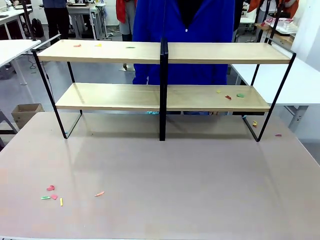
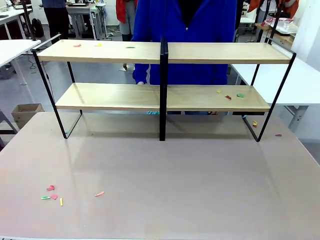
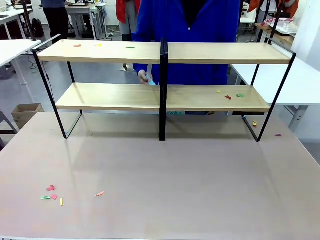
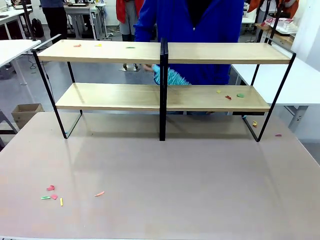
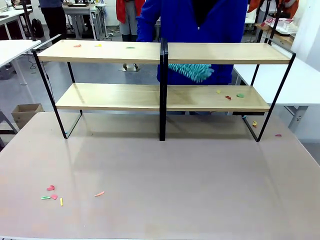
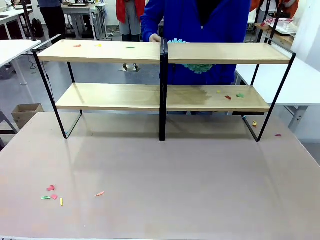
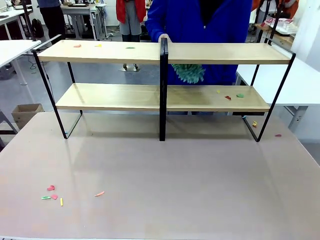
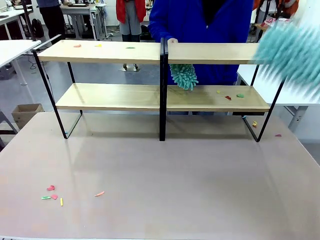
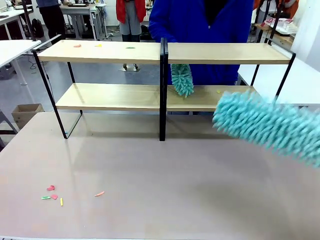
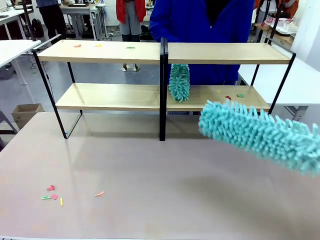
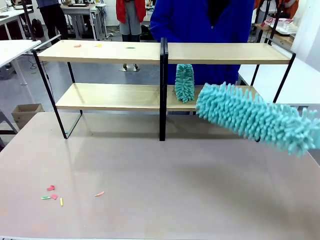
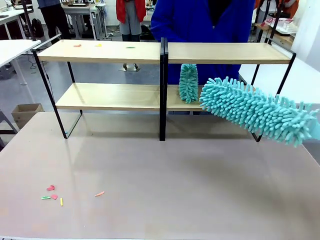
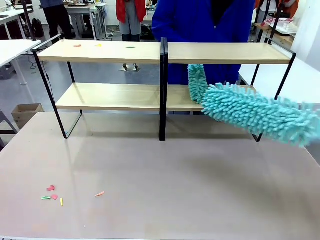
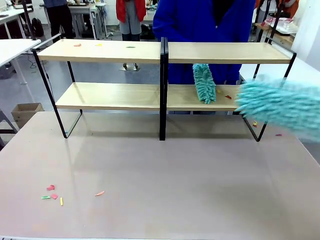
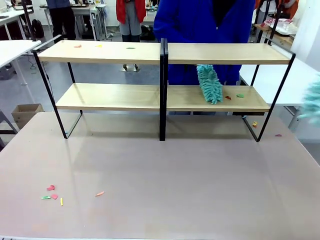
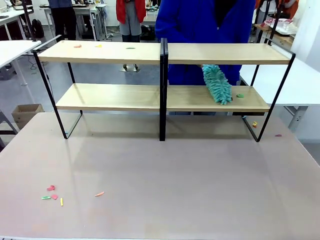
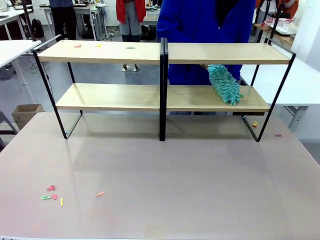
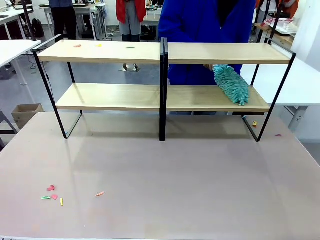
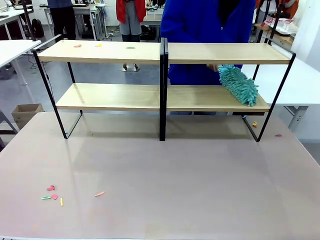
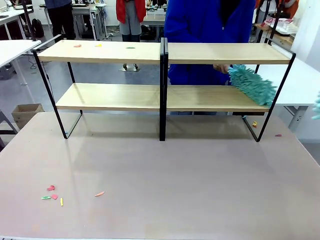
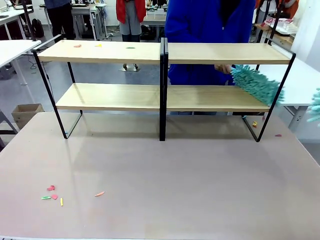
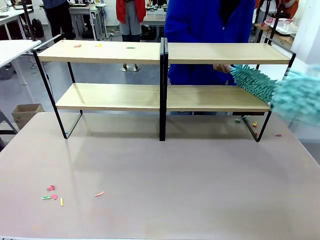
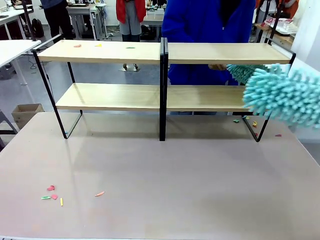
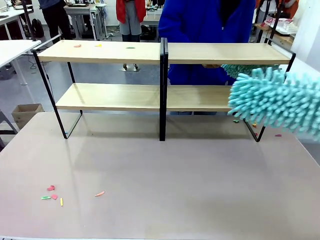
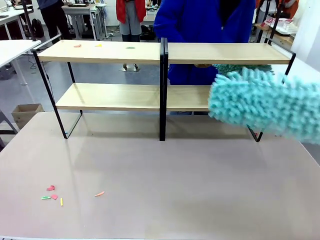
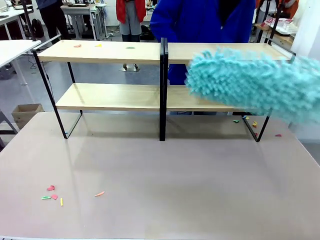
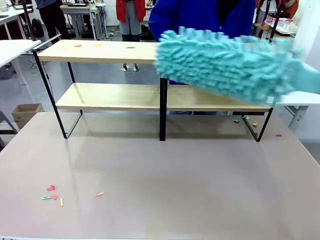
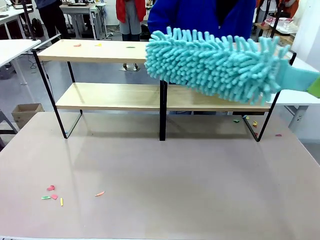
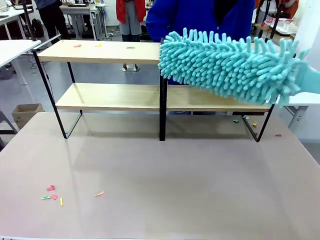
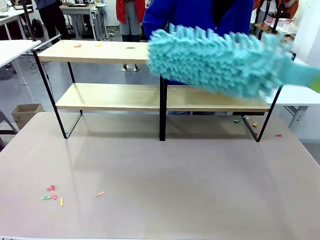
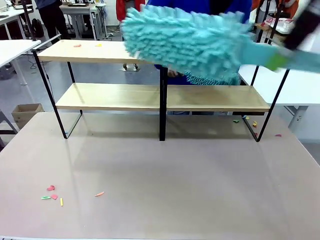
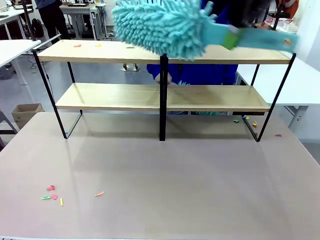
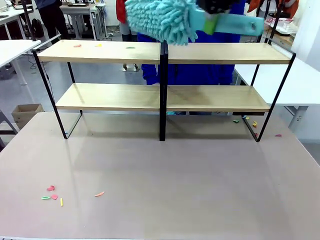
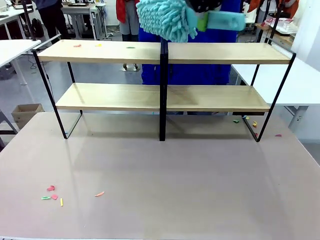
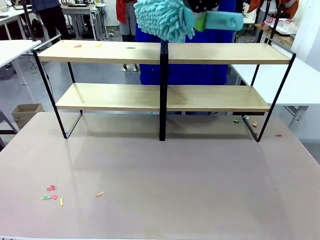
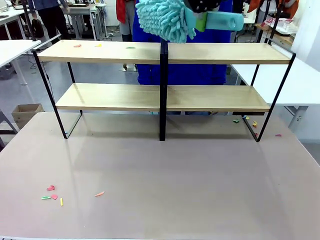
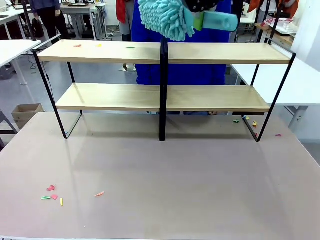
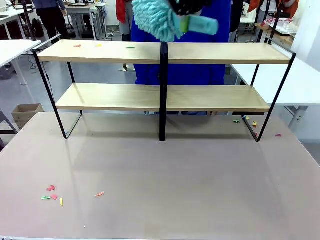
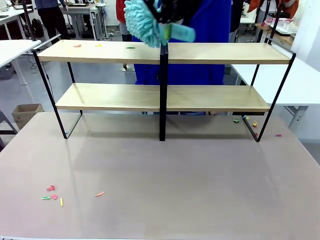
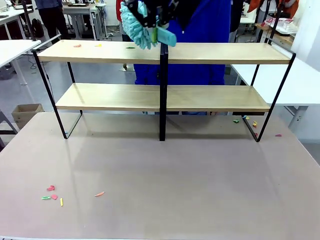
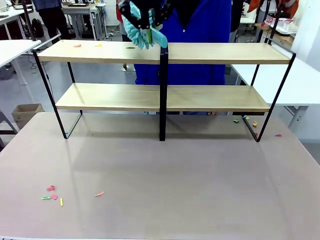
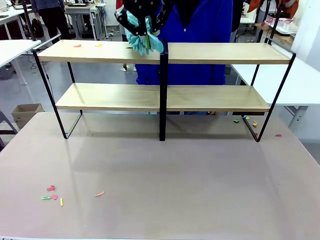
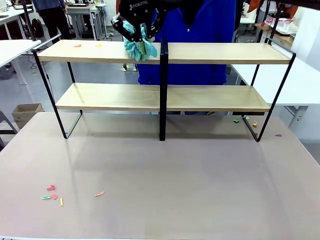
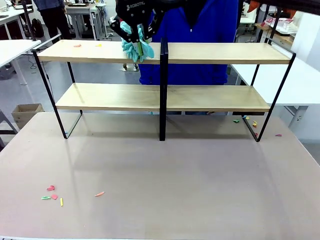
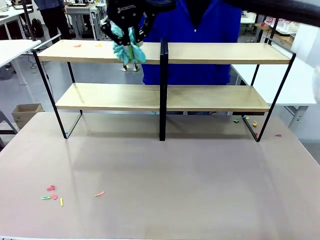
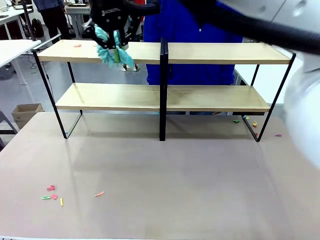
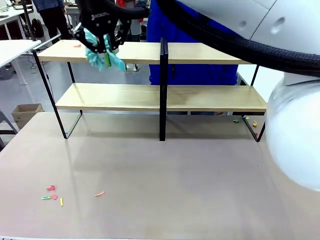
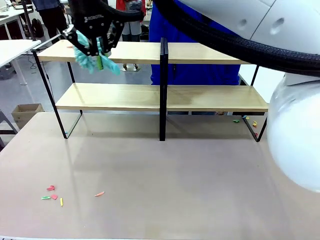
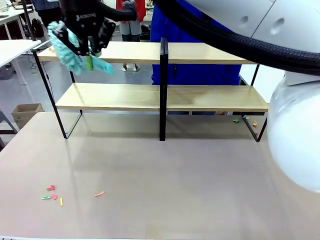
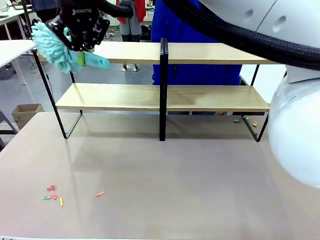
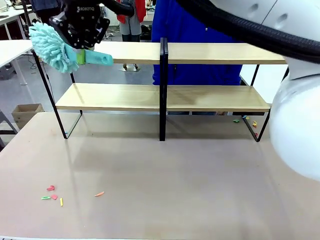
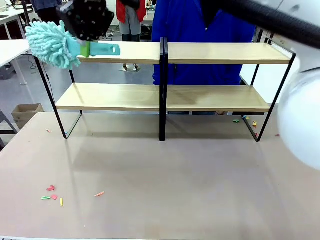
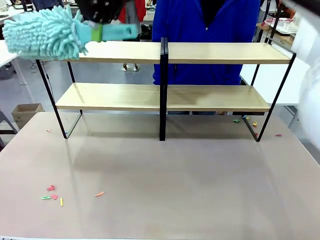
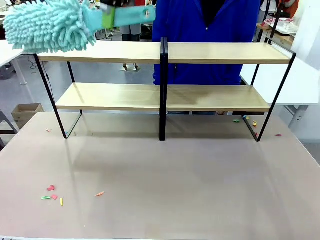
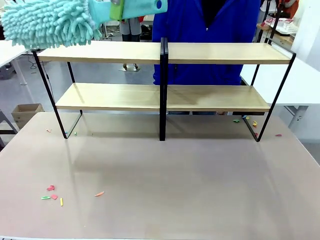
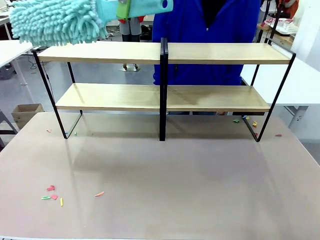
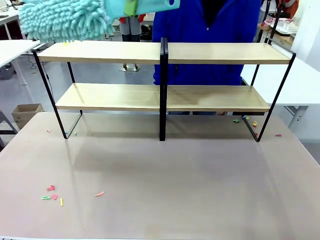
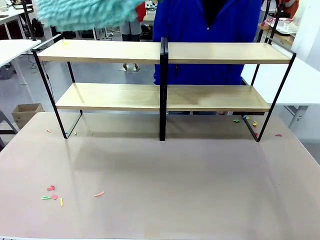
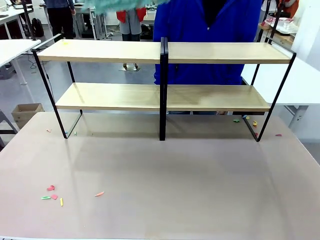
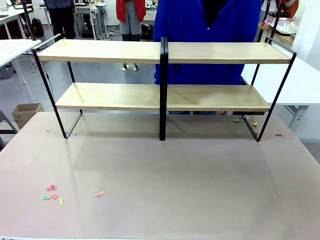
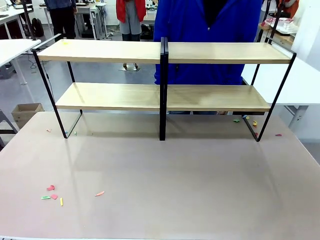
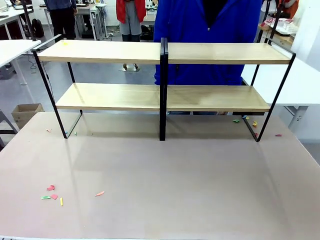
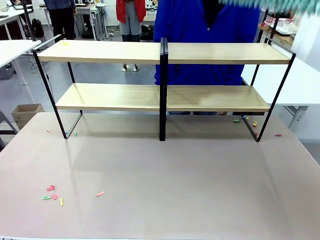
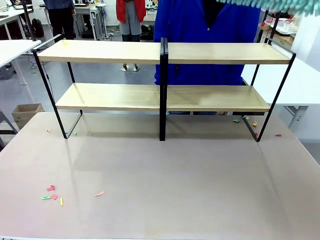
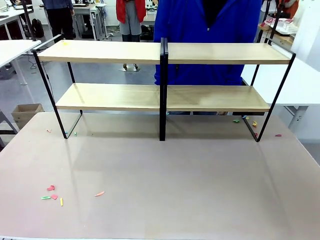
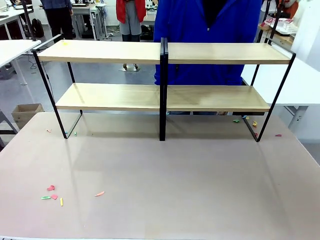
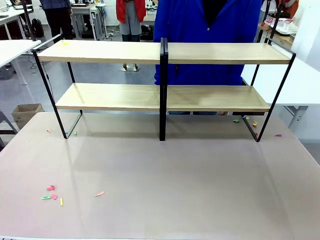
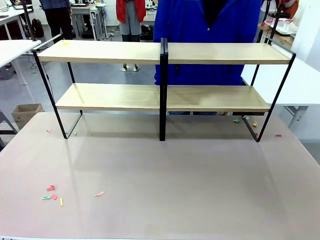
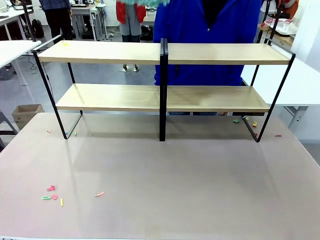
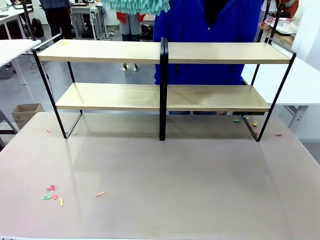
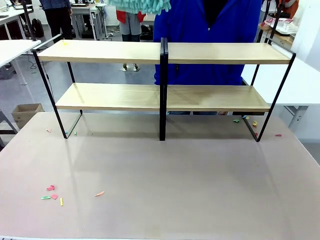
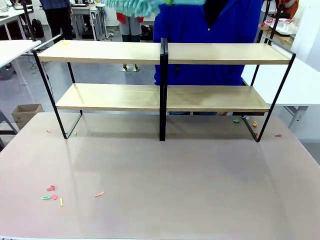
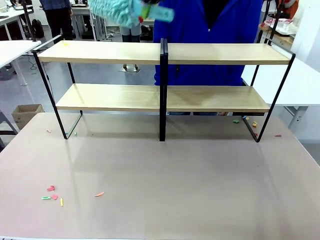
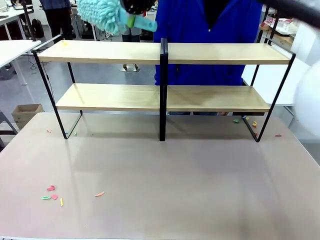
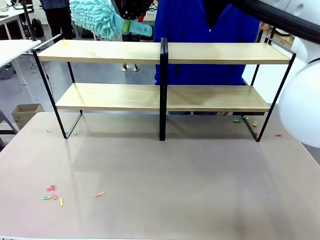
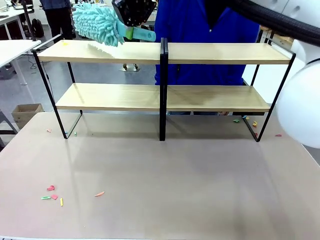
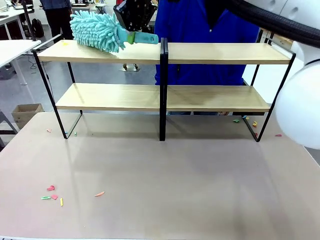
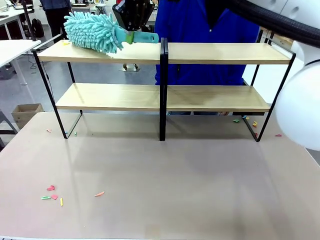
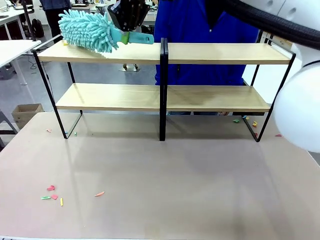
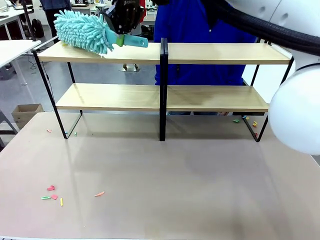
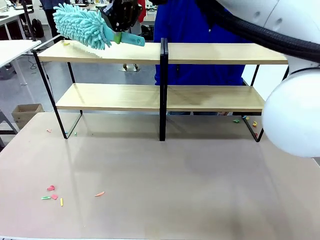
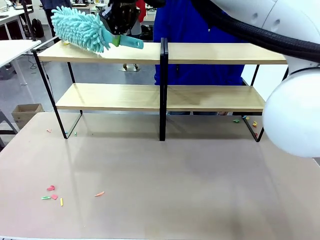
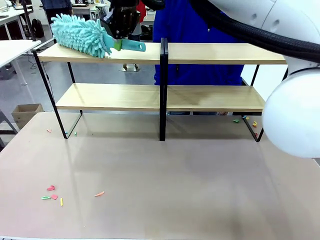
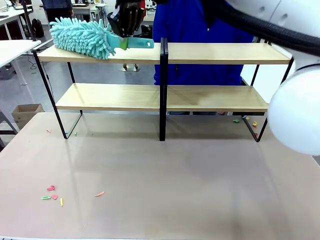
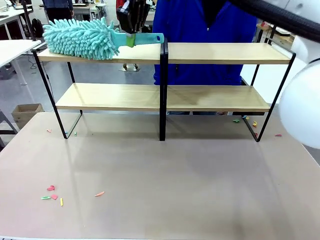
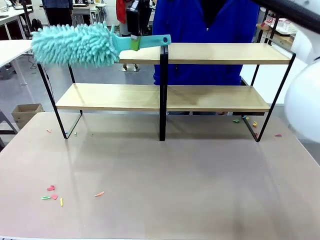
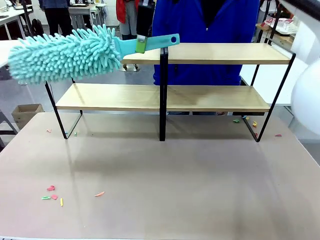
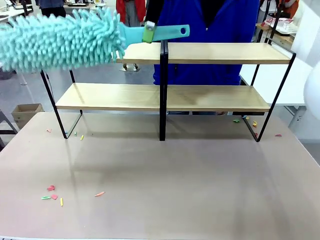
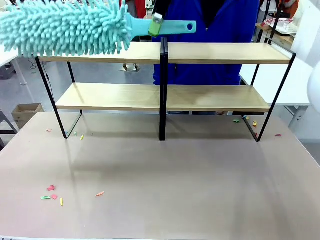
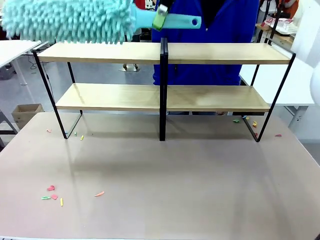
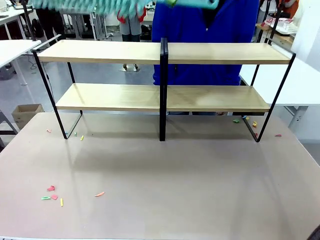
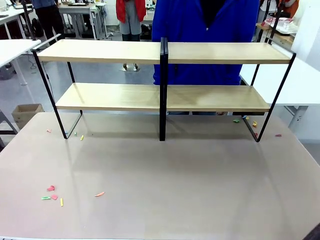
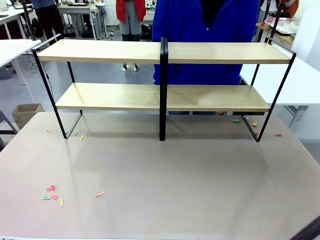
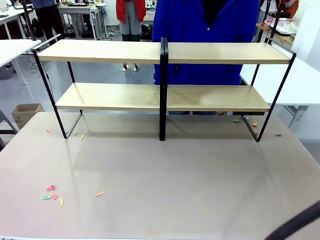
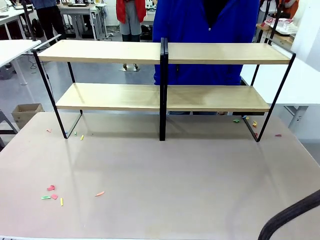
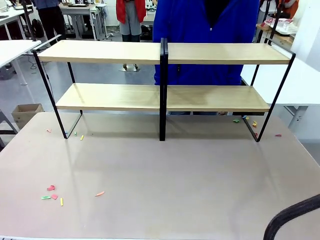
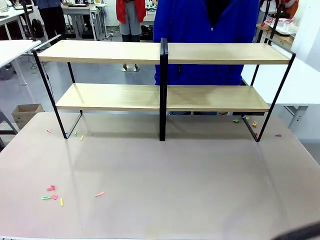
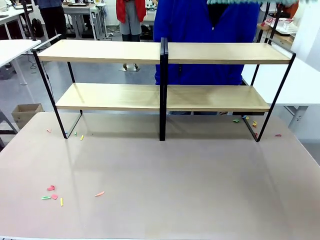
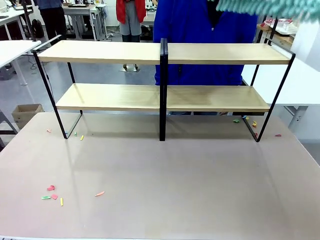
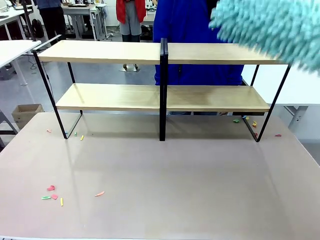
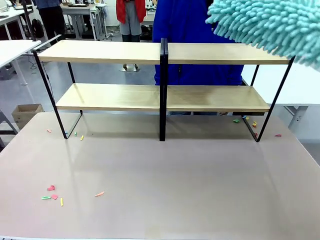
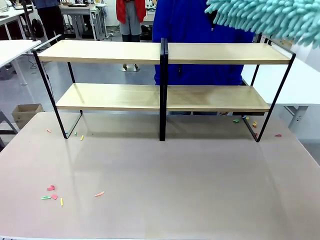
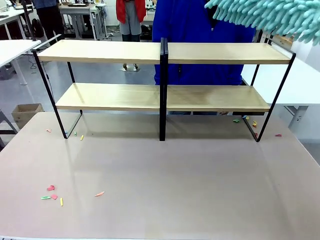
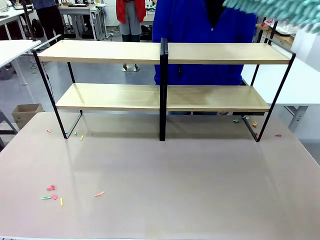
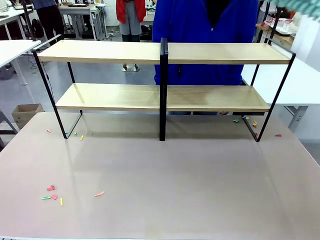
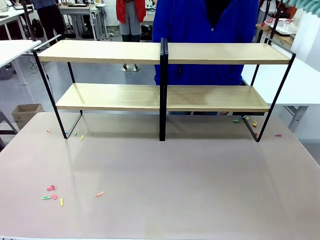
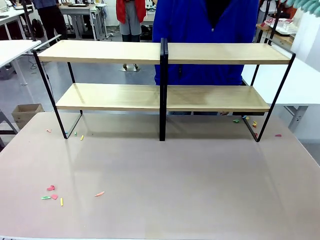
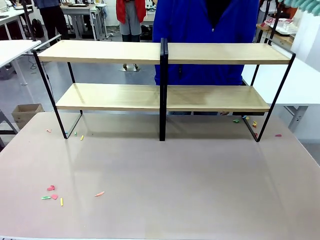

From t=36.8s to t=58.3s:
Task: Clean the shelves.
Robot: Clean another randomly selected level of the Shelf with the Duster.
